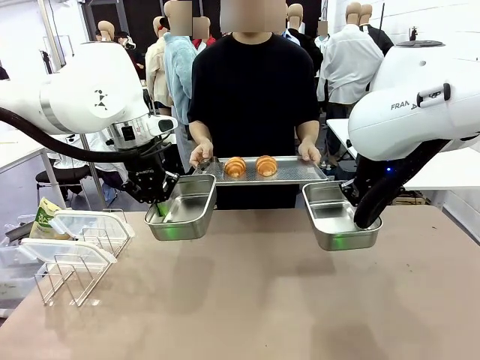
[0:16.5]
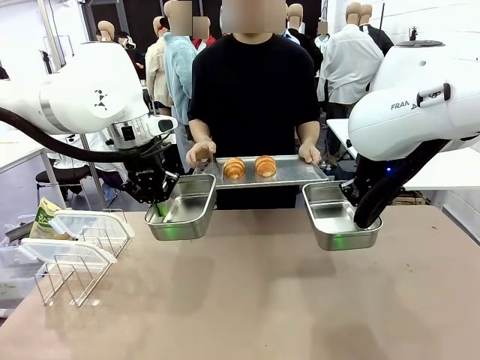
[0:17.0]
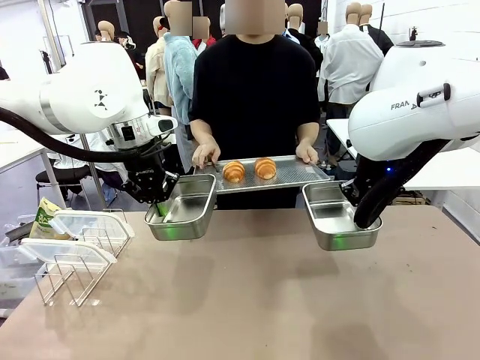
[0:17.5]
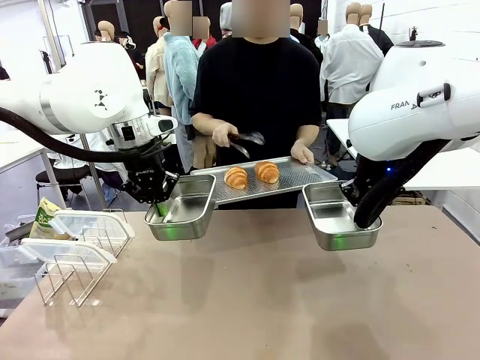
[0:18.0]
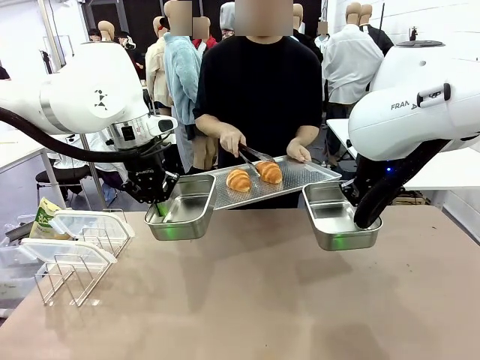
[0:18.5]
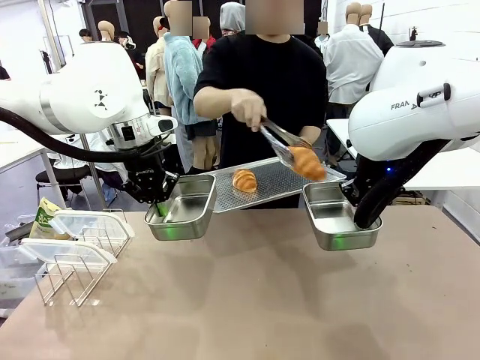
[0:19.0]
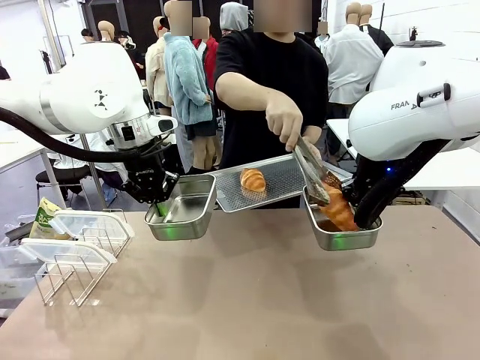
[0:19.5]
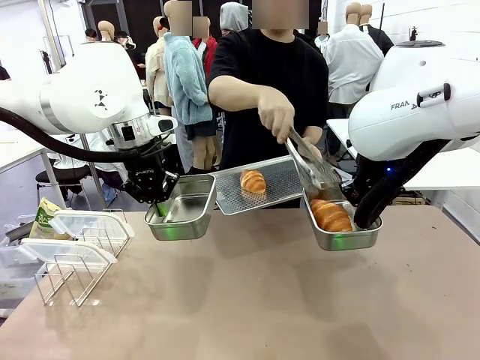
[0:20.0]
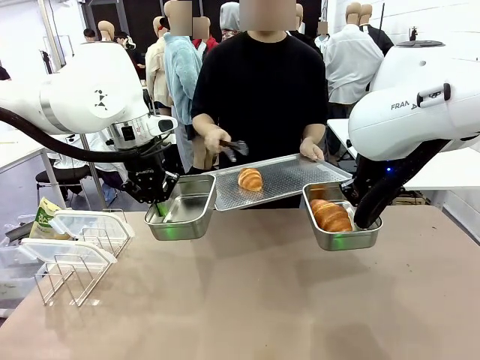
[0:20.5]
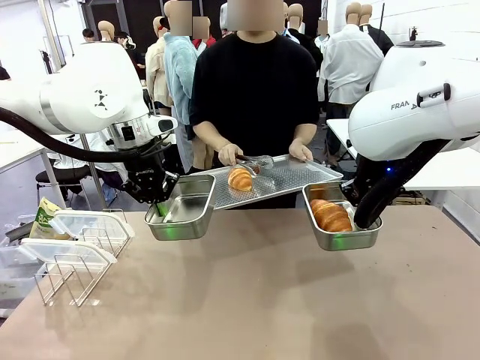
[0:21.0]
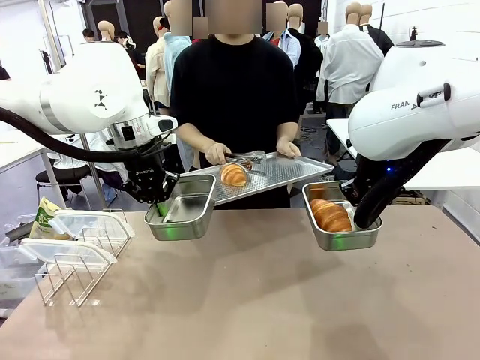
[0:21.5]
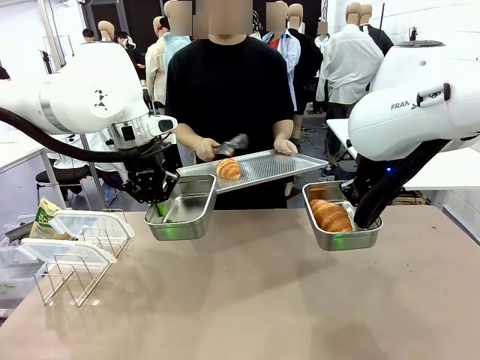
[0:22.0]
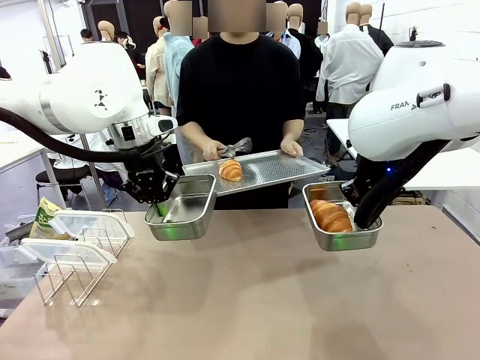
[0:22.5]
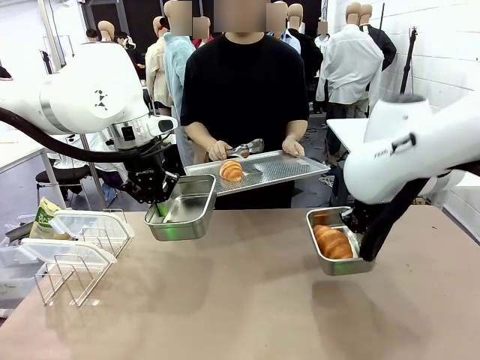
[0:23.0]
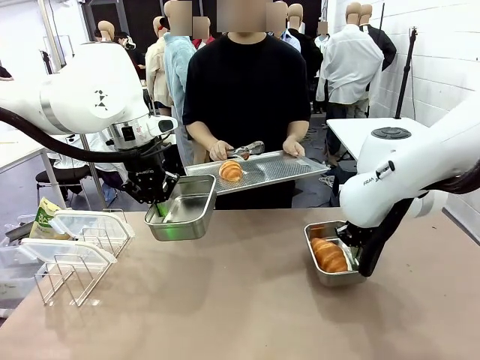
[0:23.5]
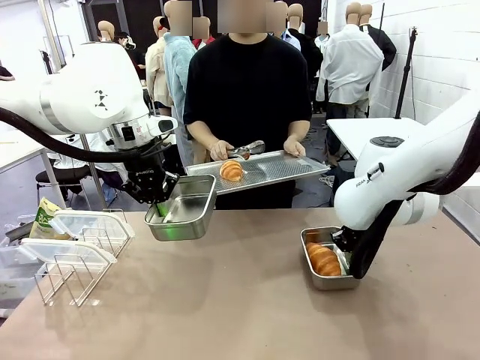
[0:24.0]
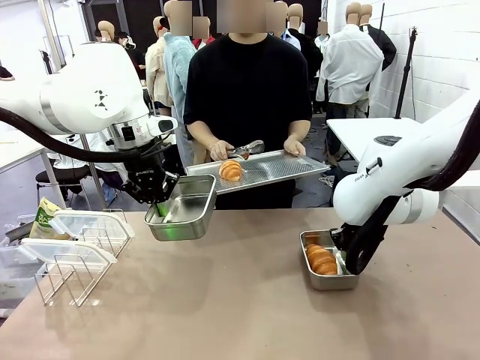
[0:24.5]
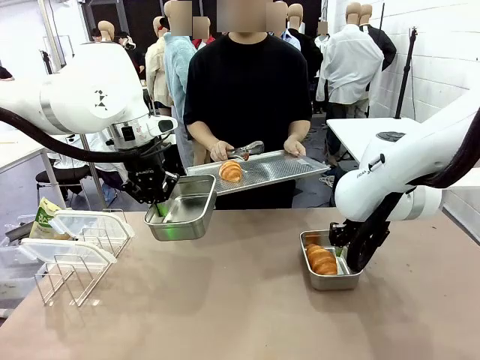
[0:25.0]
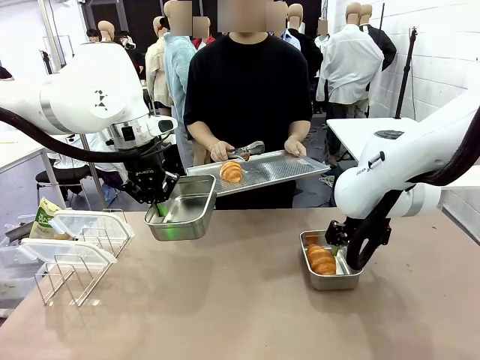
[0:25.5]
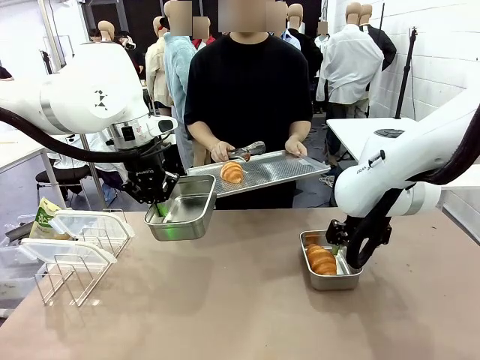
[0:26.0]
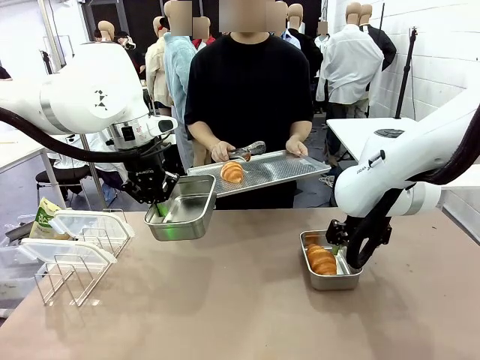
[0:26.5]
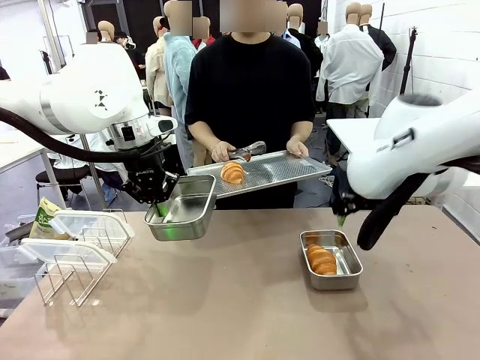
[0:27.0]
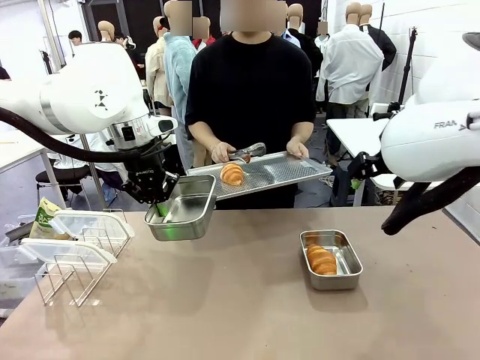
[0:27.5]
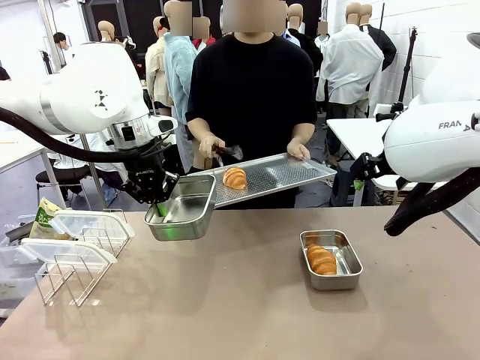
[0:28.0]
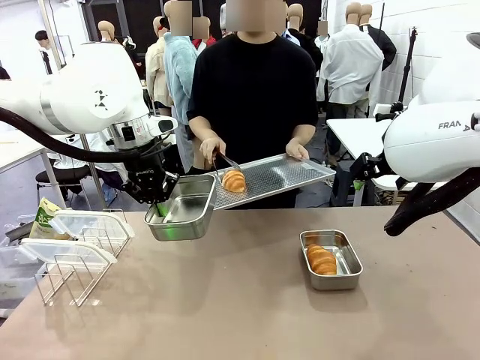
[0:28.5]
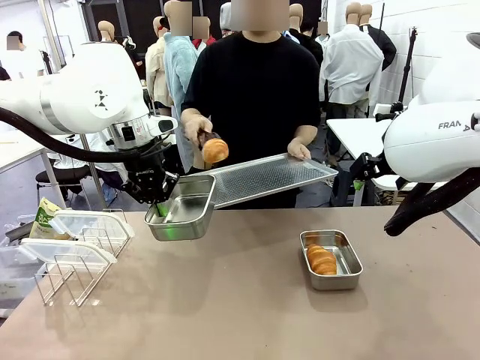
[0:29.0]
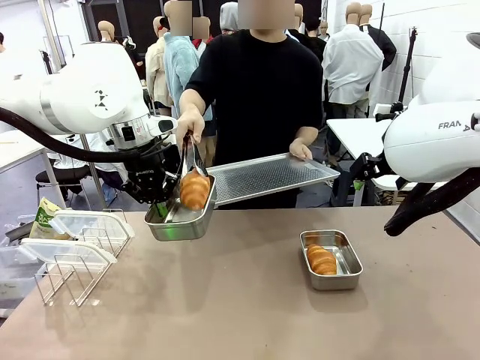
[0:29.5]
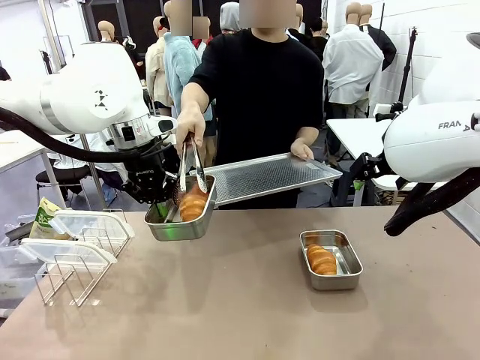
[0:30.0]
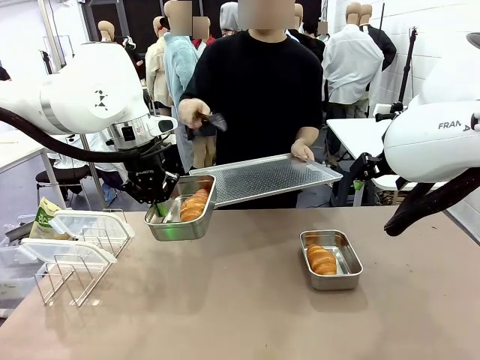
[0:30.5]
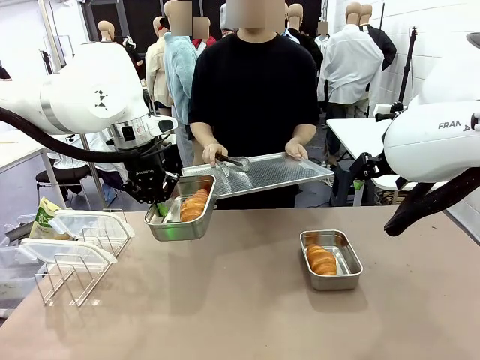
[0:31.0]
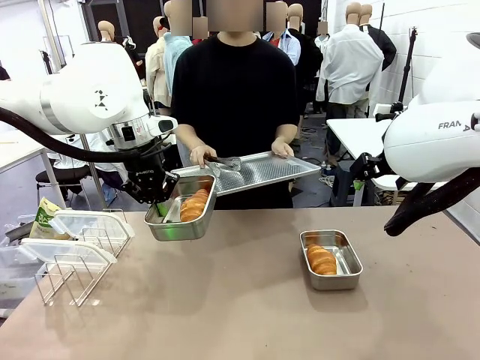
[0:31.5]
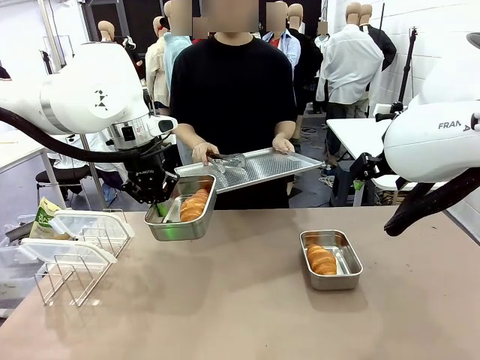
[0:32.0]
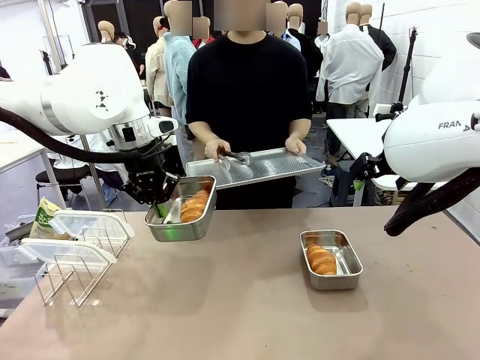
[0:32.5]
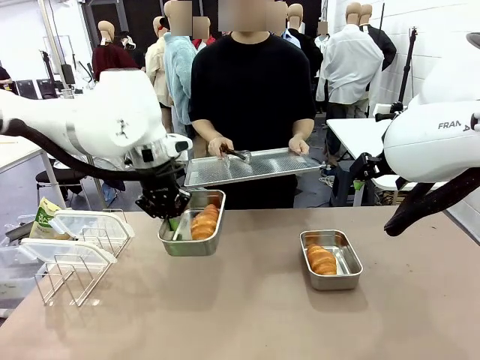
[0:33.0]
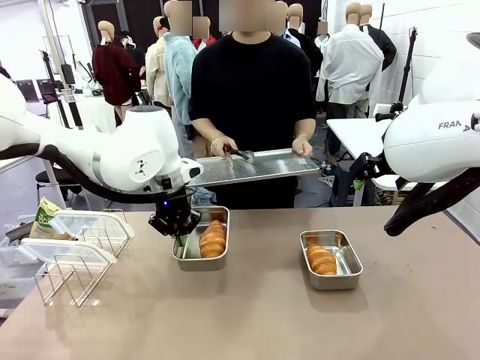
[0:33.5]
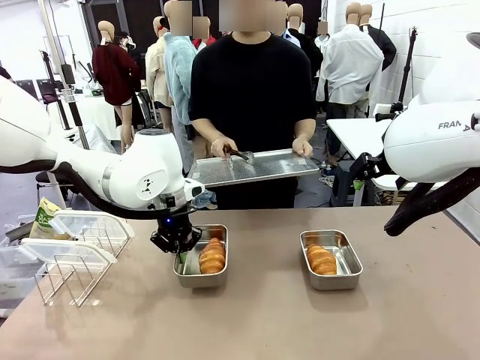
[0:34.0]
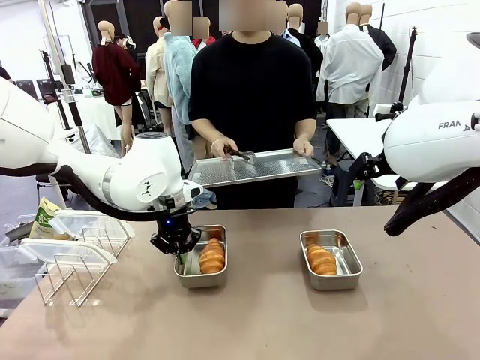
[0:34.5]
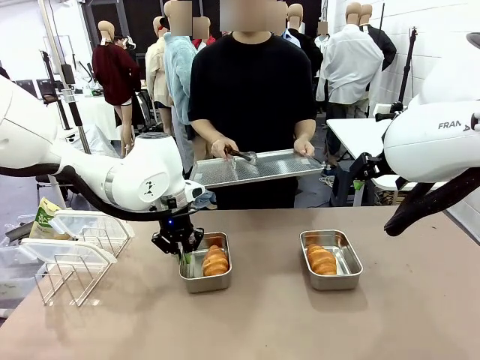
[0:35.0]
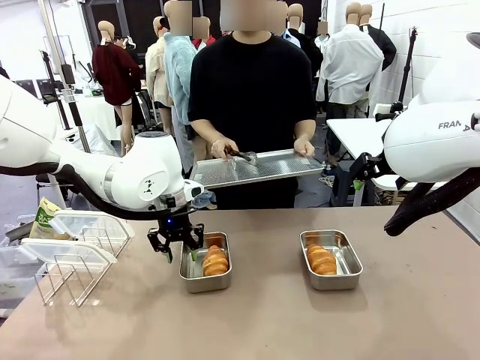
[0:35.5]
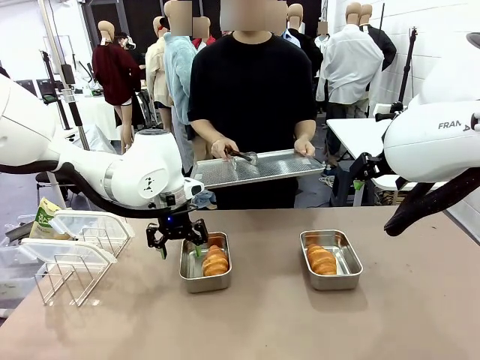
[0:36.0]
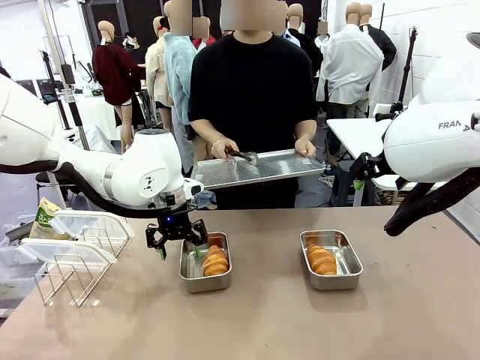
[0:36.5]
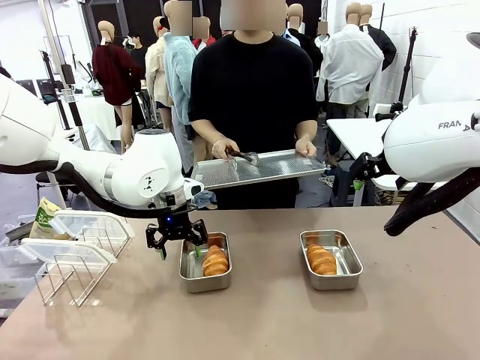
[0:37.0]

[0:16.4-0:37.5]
Task: Place the bread in airtight containers.
Robot: Once an object is inside an Airtight Container , place the container in the center of the table.
Person: Use the Stainless steel tongs to place one object from Baking Sheet into one Airtight Container. Place Baking Sheet on the Human's Table.

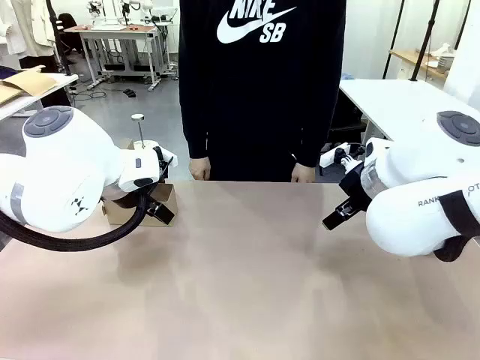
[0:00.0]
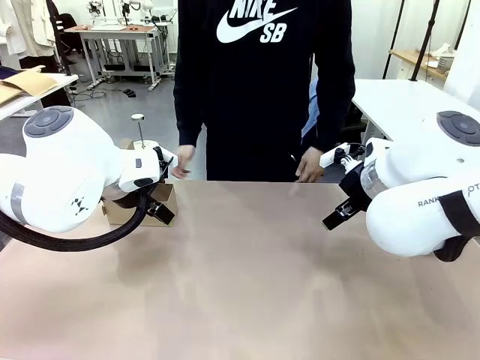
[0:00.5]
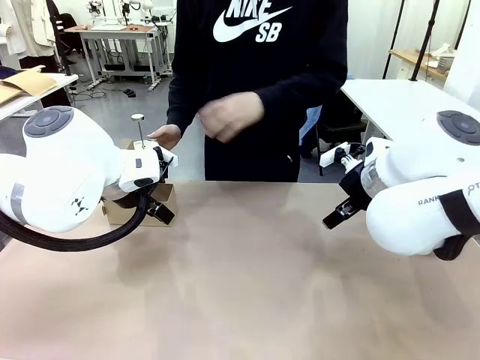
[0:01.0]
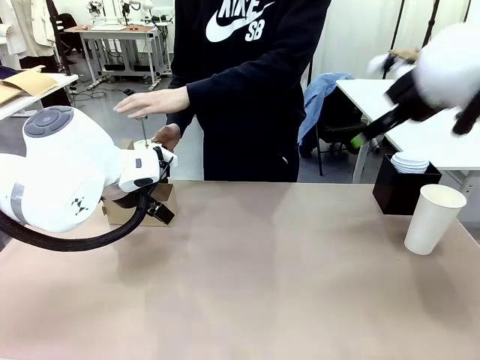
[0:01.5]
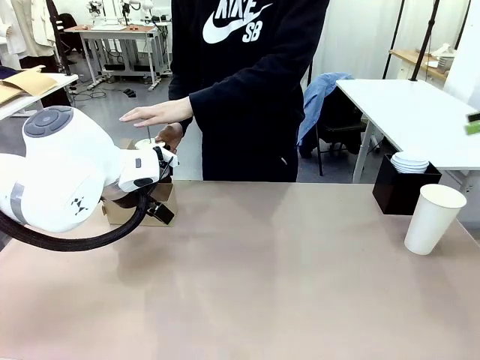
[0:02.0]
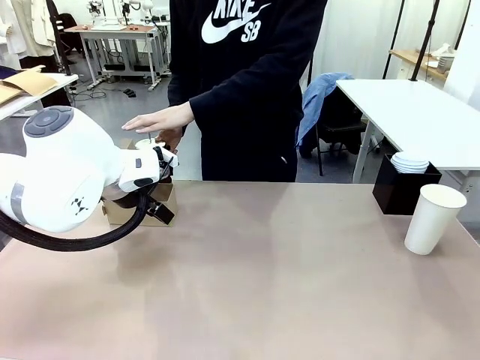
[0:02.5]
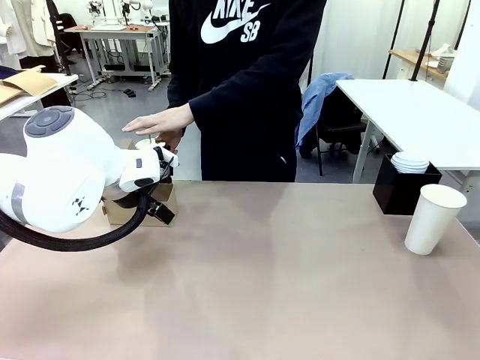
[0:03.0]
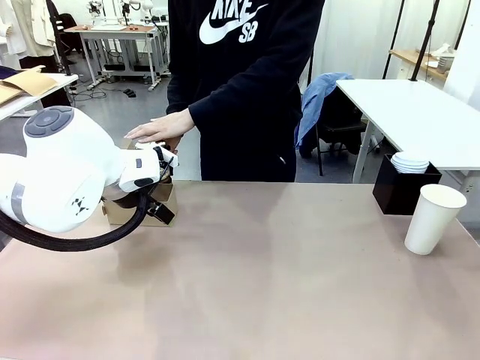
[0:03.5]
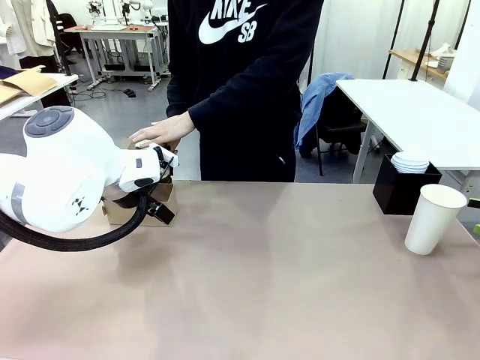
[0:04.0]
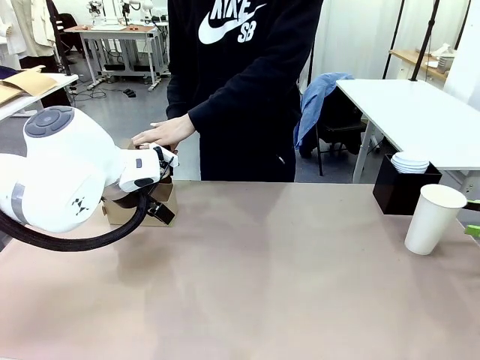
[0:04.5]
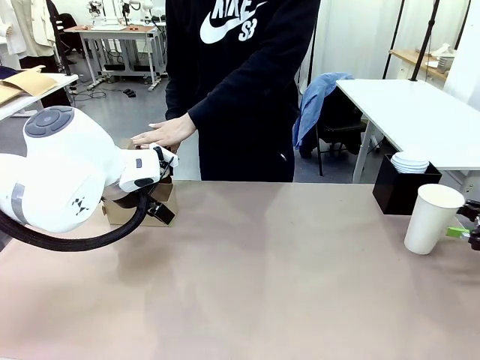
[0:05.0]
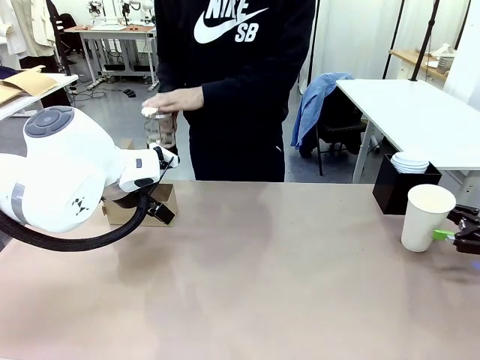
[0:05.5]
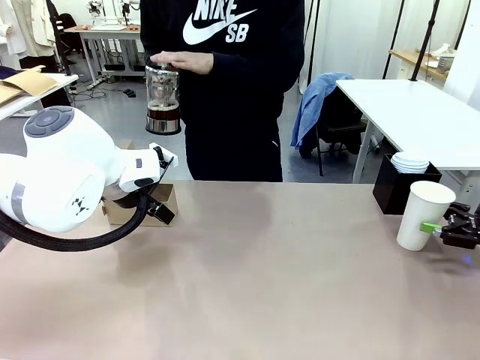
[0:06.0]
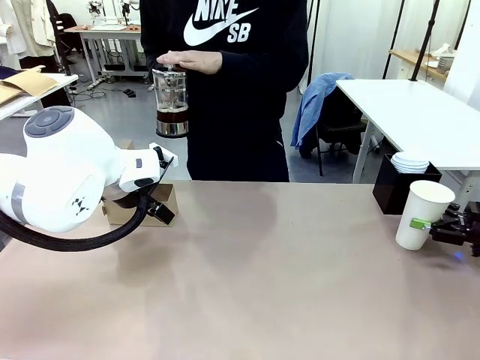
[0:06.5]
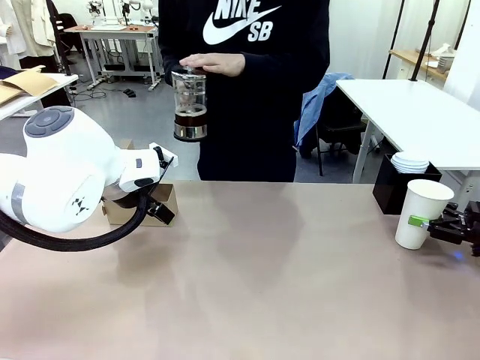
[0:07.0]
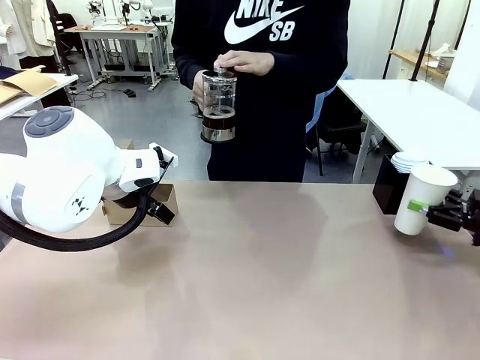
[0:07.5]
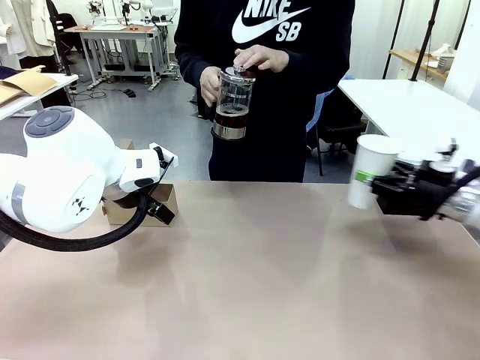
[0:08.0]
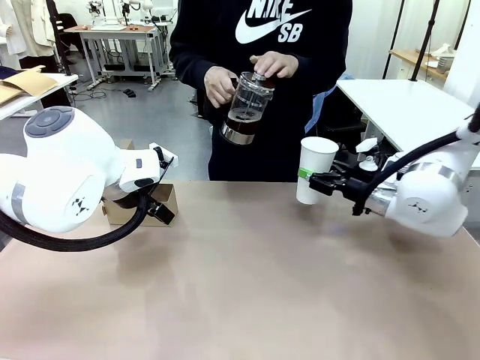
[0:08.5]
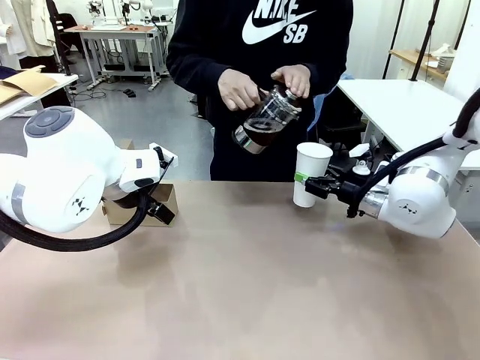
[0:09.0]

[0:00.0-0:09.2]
Task: Pour a drink into a cup and package it in a carrier.
Robot: Pick up the 600 ml Paper Cup and place it in the middle top area of the table.
Person: Press and pick up the Filter Brewing.
